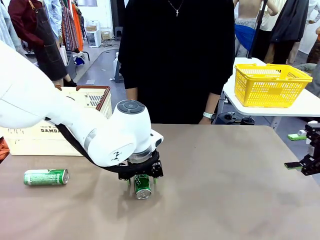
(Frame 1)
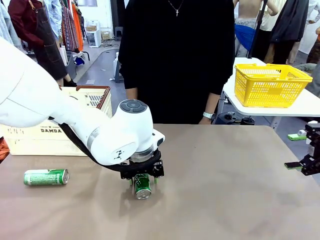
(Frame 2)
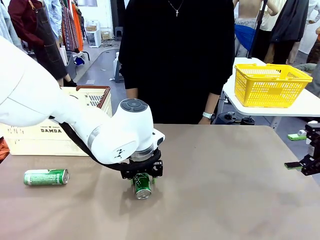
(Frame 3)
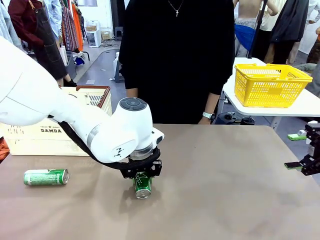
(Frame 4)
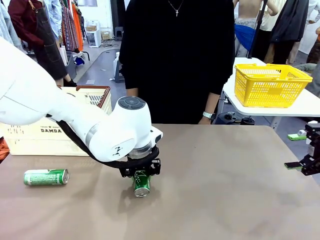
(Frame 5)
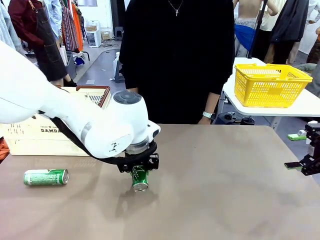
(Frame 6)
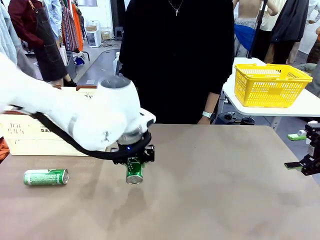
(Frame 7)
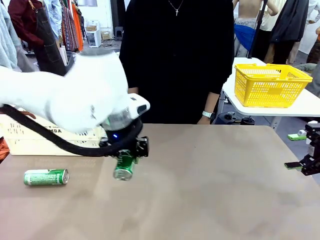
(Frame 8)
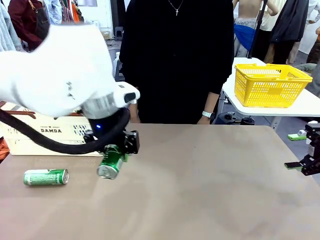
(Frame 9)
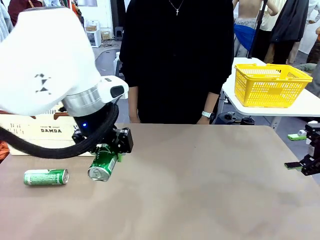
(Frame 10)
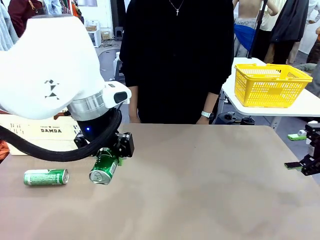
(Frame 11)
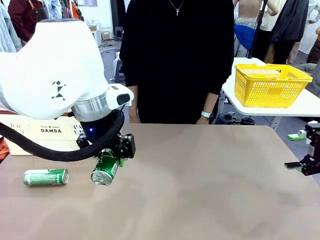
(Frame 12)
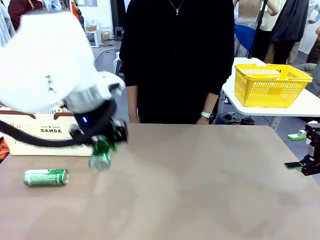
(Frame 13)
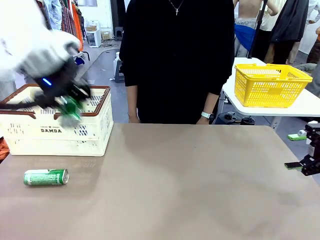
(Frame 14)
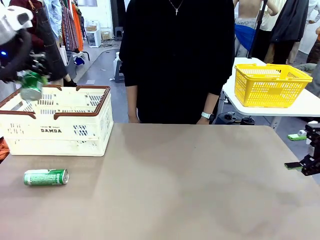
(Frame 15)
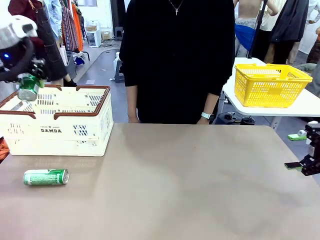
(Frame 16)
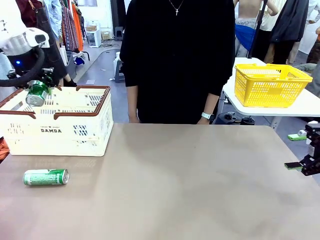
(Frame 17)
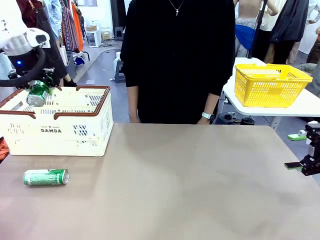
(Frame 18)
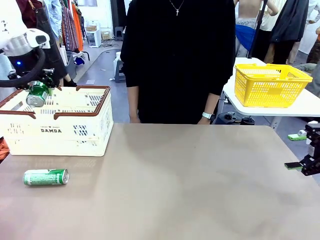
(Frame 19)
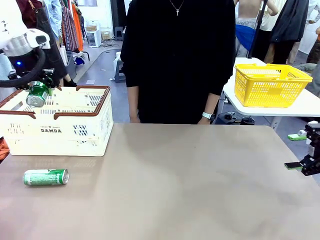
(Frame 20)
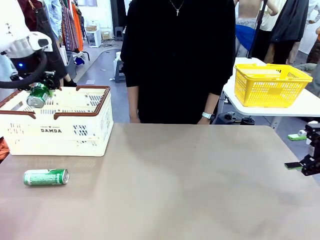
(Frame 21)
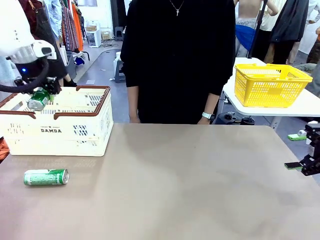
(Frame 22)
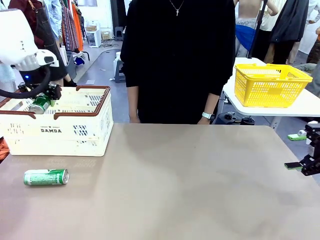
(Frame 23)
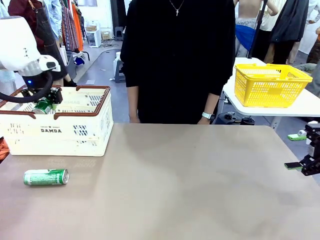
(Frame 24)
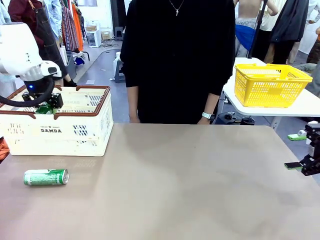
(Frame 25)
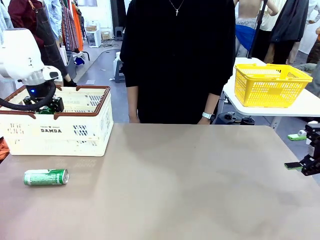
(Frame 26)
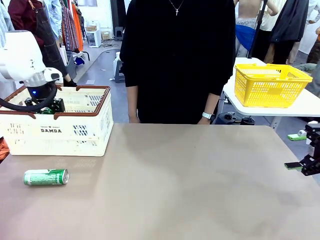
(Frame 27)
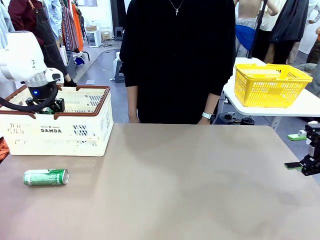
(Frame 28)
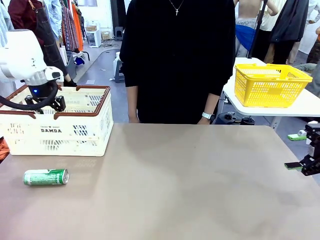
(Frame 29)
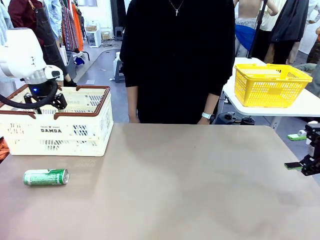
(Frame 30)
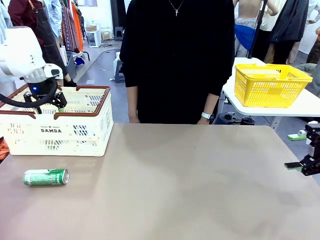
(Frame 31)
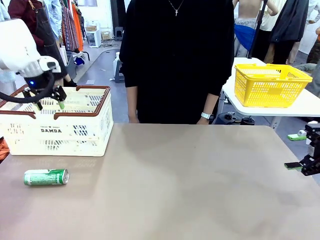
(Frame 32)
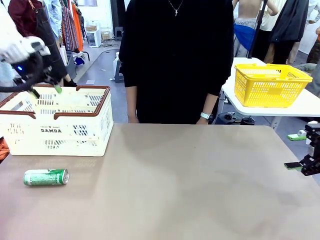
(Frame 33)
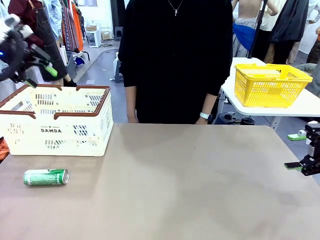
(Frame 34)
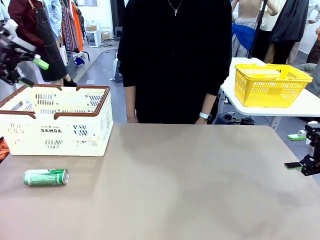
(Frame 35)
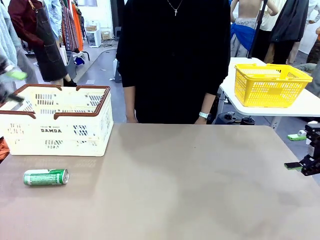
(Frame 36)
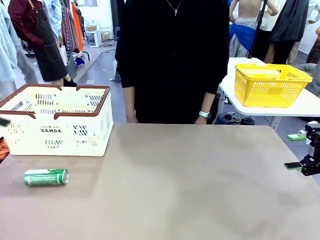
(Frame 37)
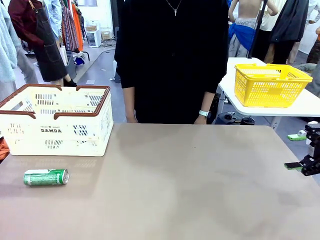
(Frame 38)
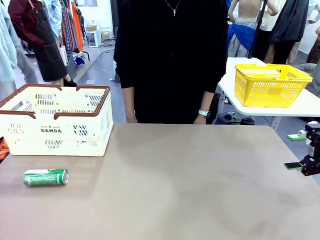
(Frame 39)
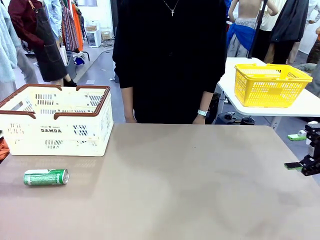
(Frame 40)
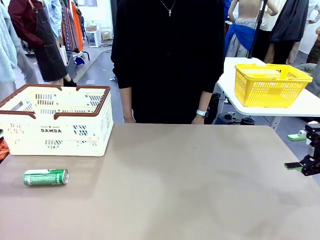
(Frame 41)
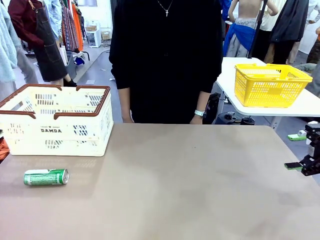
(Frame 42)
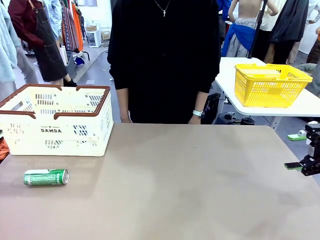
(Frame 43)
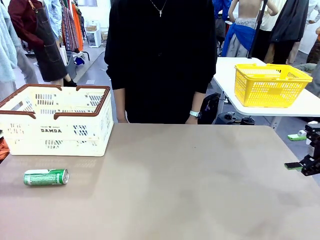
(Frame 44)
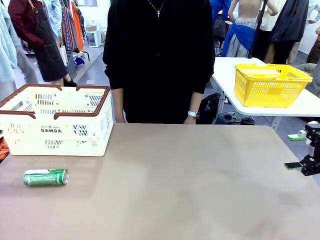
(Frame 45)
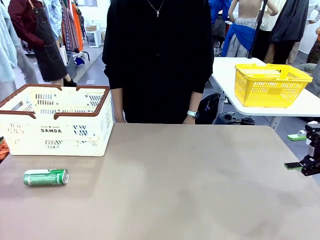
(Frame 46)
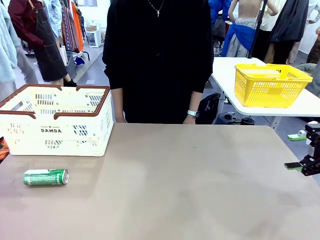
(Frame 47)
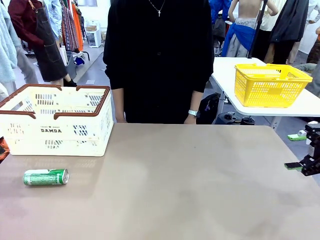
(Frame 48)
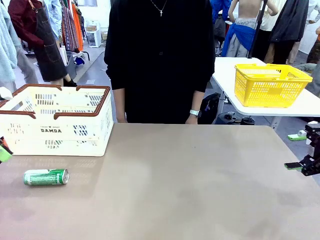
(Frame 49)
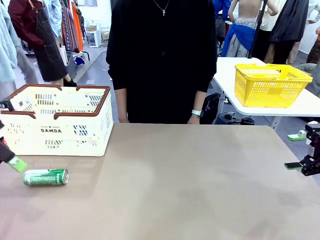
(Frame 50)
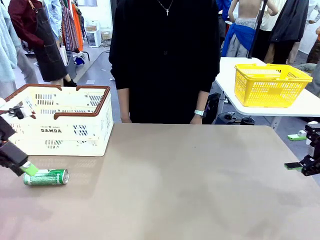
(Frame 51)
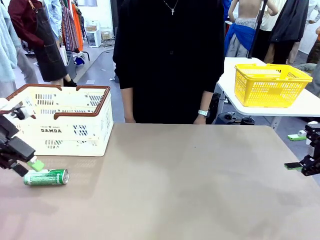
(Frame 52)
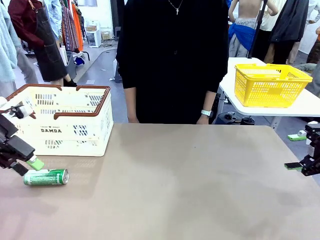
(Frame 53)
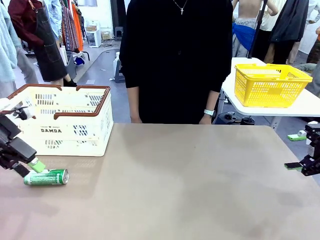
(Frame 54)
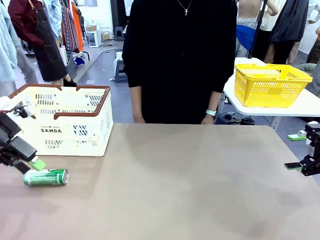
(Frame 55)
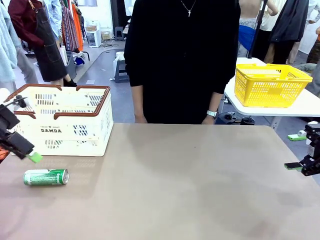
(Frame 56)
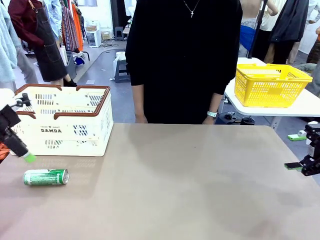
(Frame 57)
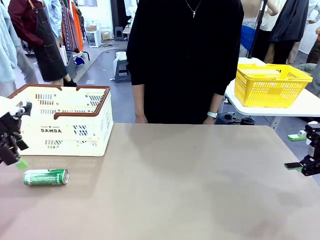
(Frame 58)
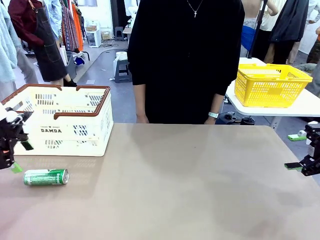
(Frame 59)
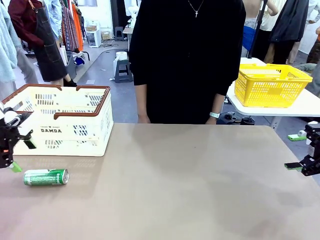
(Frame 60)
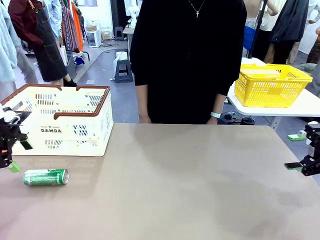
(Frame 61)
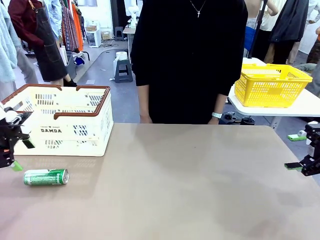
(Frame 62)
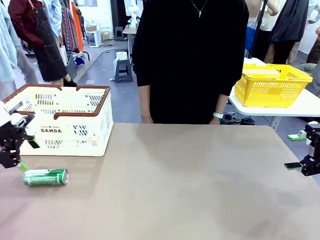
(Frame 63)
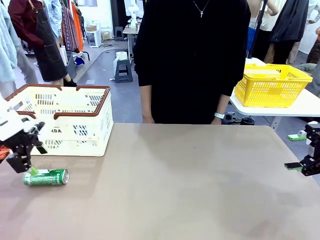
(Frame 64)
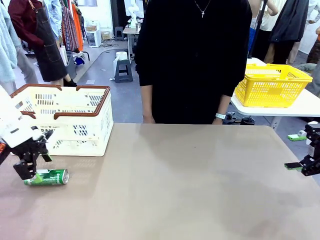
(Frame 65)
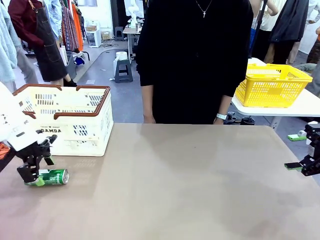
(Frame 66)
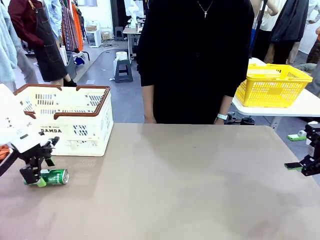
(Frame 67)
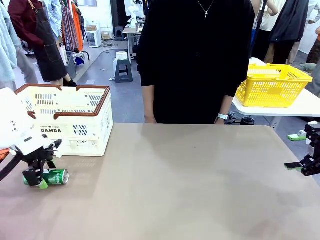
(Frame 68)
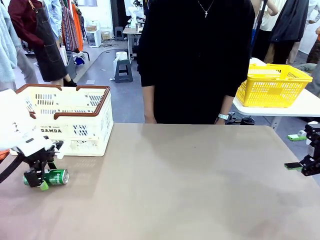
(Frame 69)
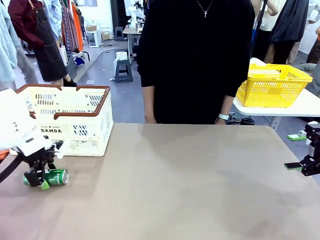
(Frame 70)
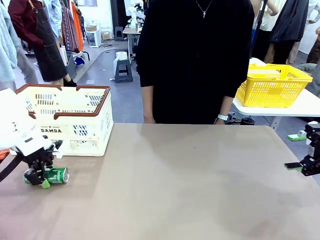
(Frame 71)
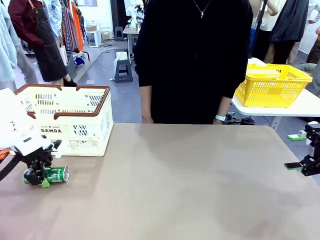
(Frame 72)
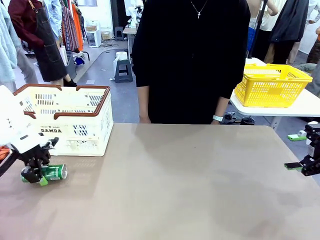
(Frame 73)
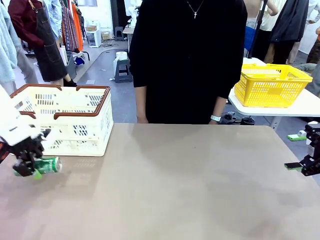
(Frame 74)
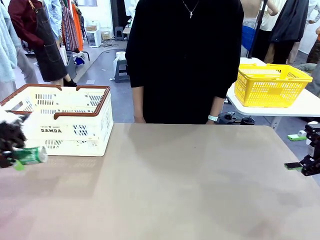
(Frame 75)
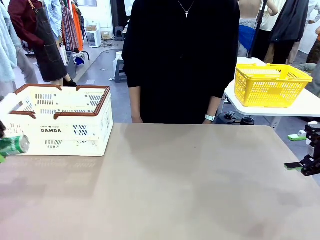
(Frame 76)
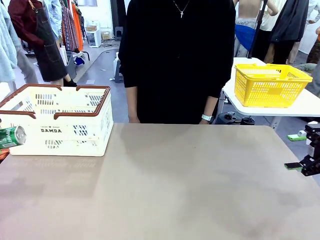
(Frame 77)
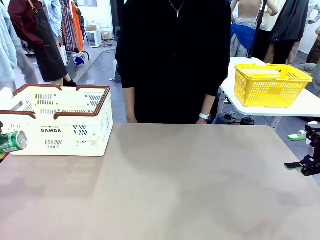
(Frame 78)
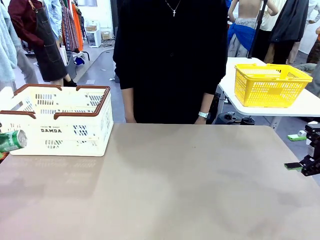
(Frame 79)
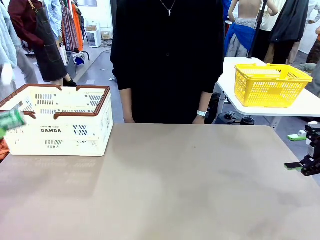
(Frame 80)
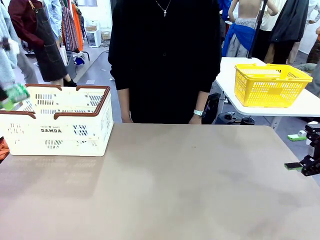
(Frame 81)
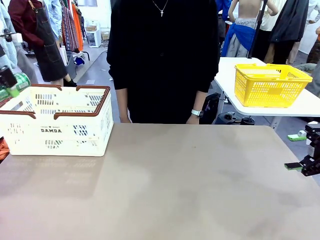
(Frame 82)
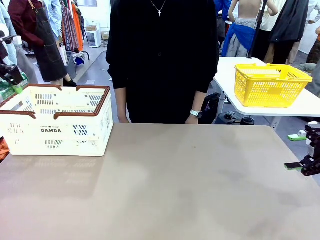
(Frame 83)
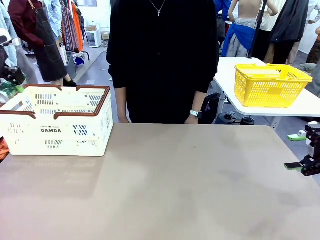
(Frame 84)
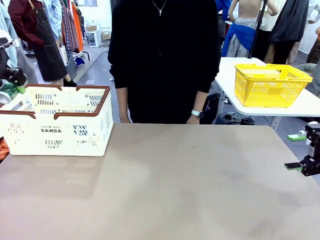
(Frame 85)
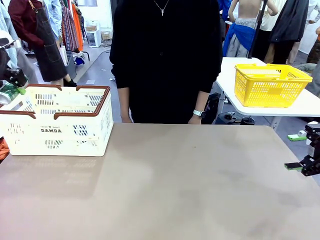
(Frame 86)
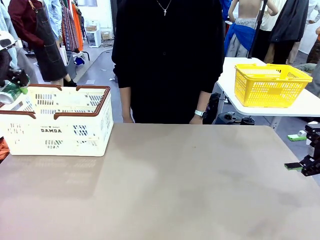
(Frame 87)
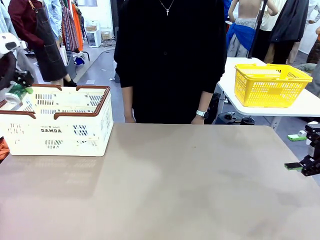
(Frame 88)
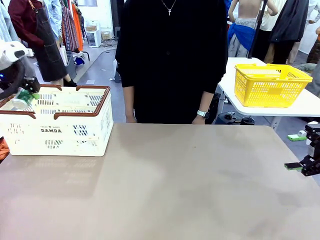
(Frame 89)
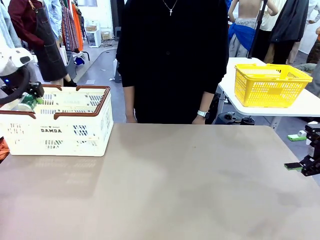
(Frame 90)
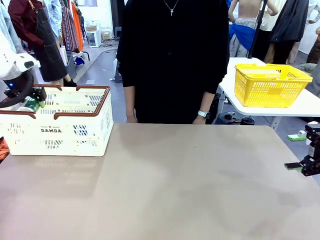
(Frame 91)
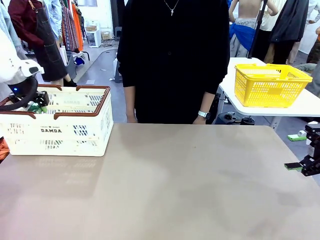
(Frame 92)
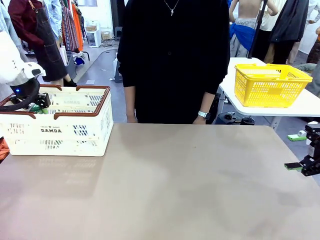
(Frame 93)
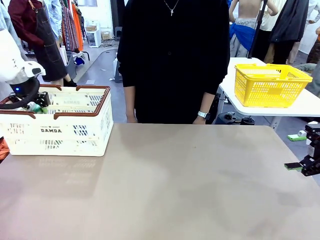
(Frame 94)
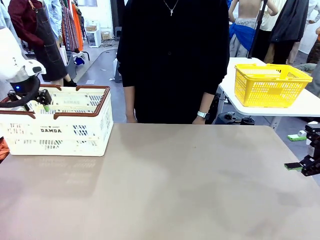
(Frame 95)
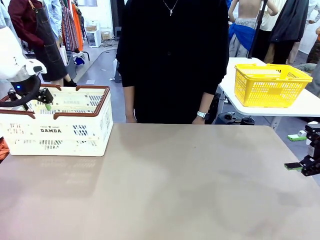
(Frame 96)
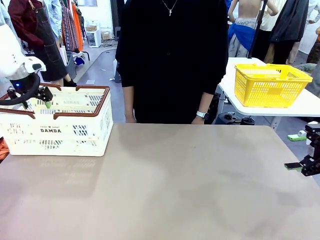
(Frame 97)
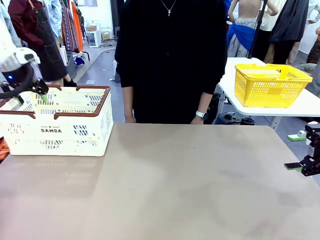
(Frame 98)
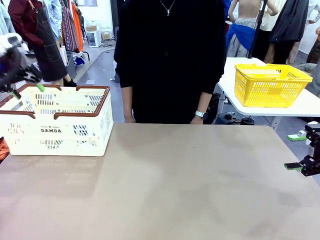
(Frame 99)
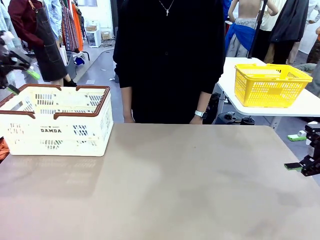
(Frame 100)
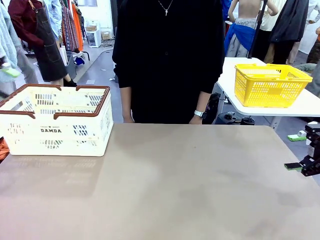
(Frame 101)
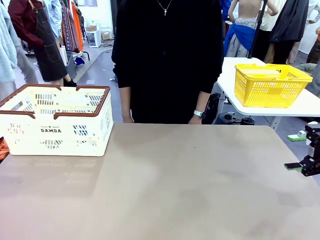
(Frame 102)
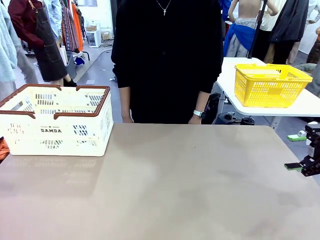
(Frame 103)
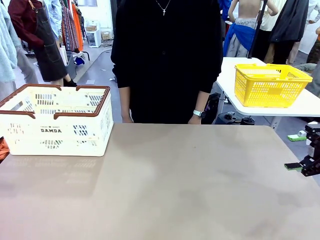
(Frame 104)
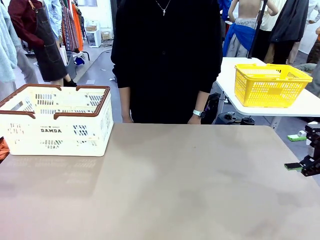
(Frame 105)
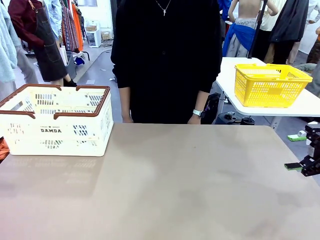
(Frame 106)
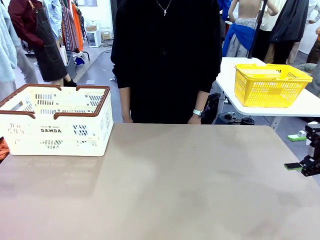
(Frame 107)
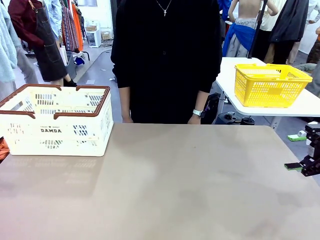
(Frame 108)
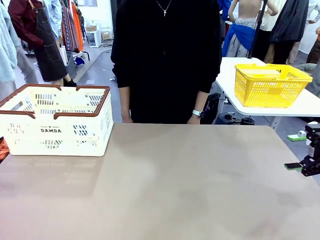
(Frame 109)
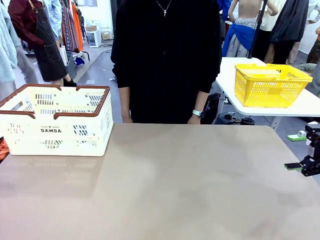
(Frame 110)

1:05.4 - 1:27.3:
Task: Place the drinks into the Shopping basket.
Robot: Pick up one drink and place it into the Shopping basket.
